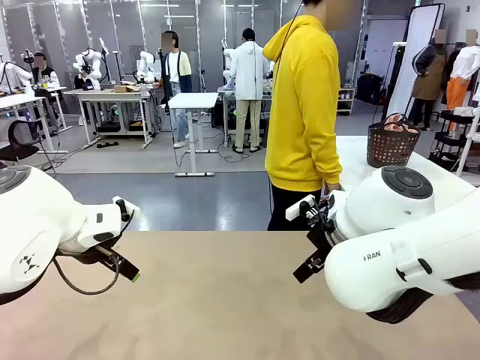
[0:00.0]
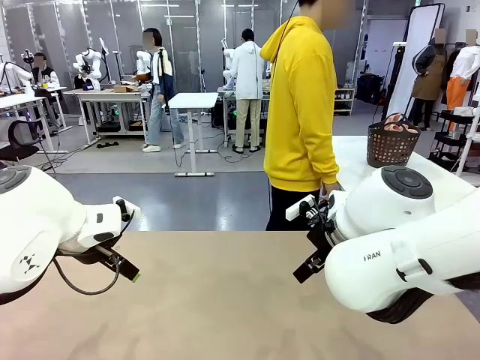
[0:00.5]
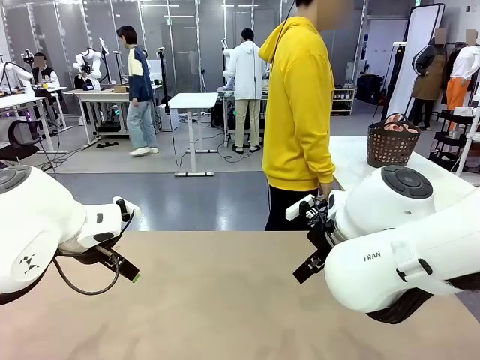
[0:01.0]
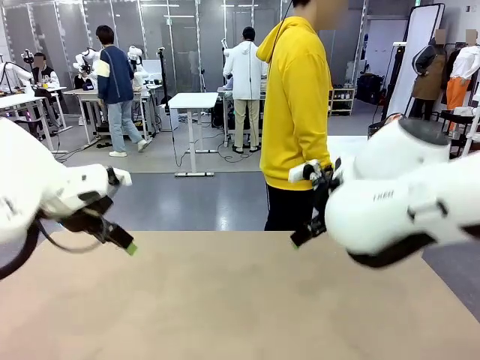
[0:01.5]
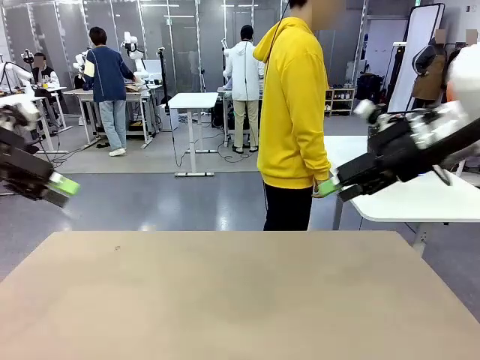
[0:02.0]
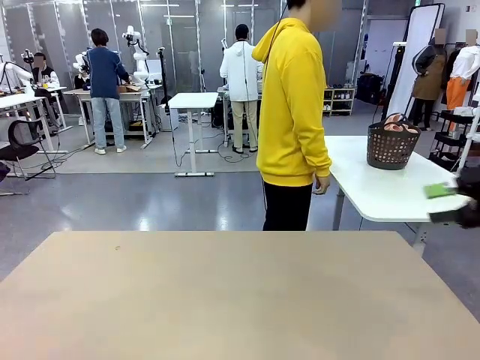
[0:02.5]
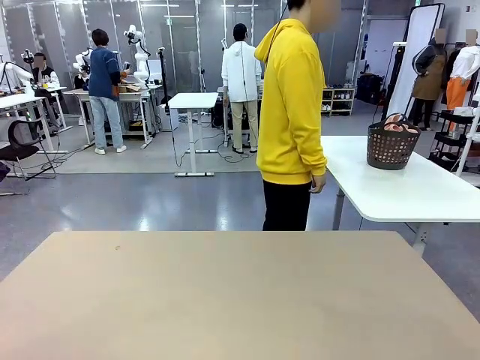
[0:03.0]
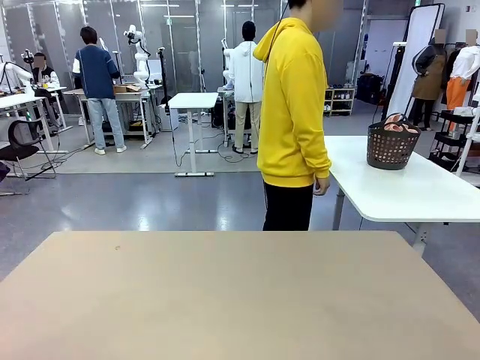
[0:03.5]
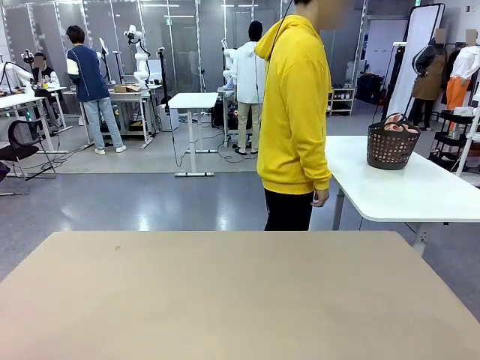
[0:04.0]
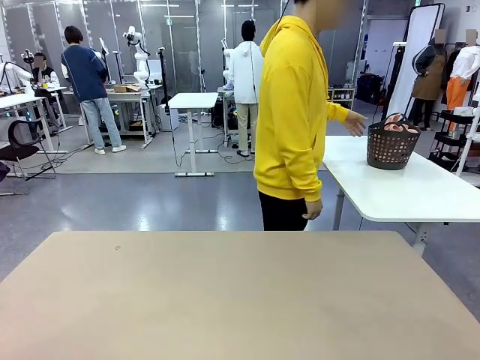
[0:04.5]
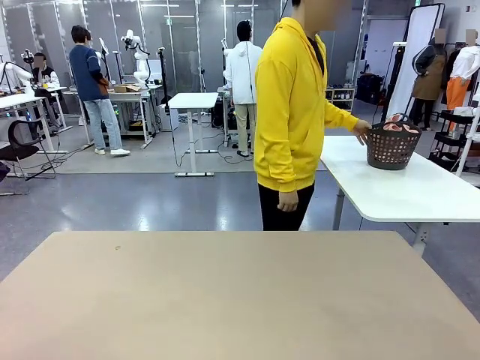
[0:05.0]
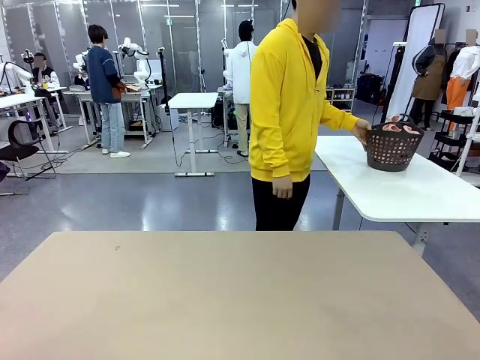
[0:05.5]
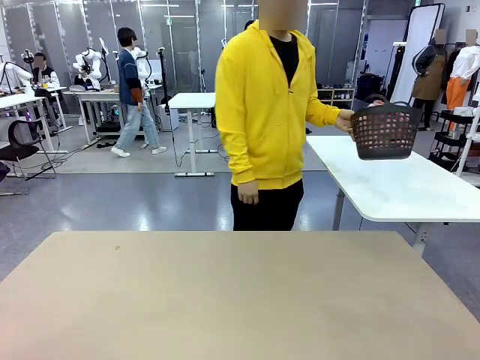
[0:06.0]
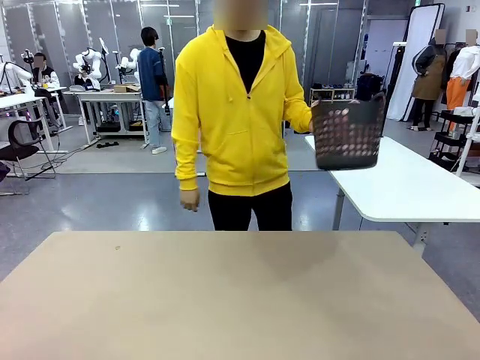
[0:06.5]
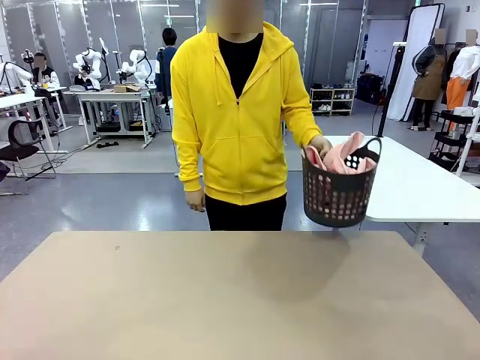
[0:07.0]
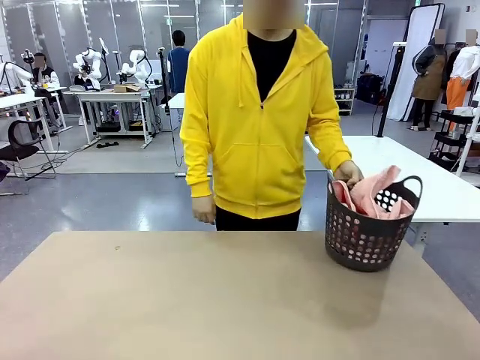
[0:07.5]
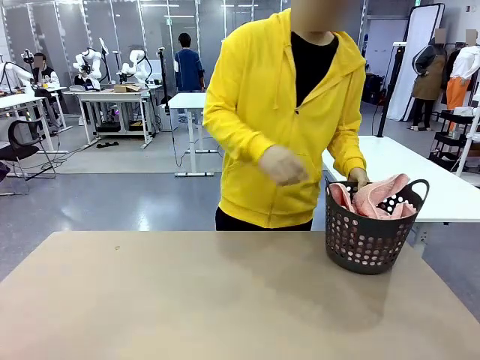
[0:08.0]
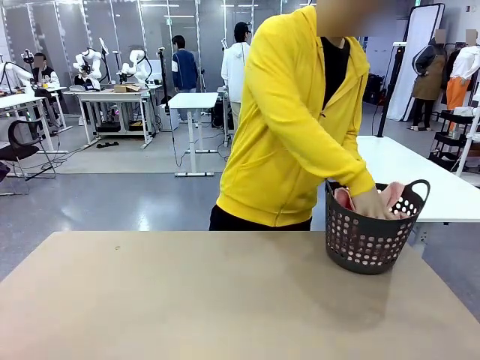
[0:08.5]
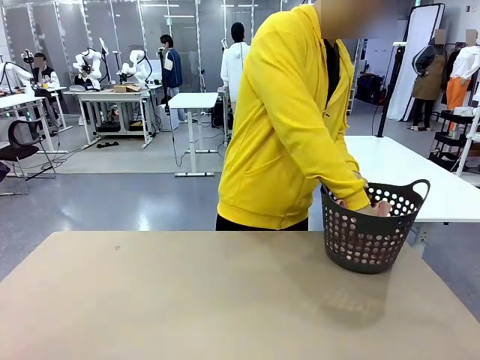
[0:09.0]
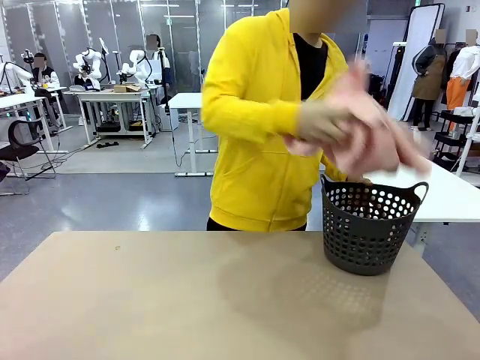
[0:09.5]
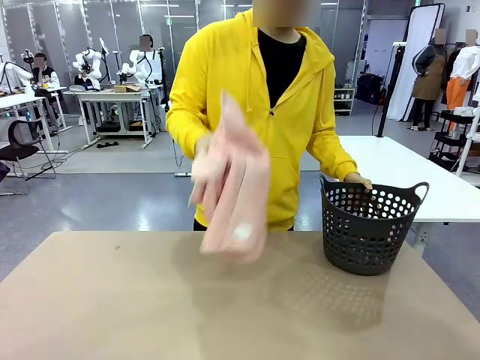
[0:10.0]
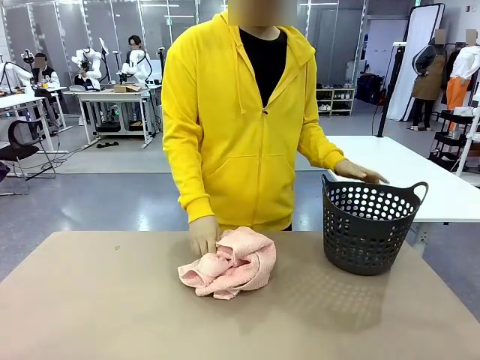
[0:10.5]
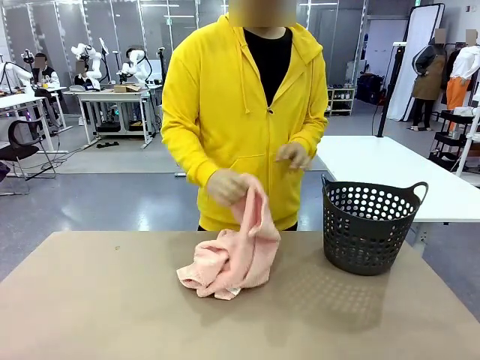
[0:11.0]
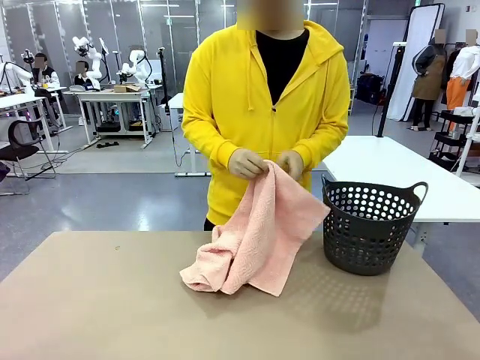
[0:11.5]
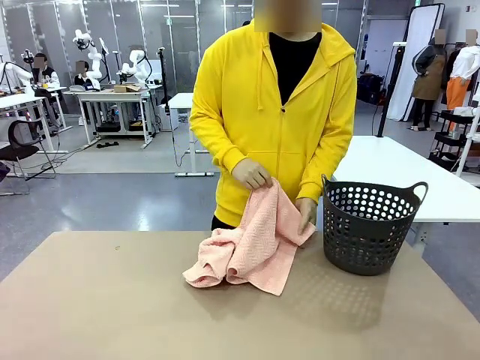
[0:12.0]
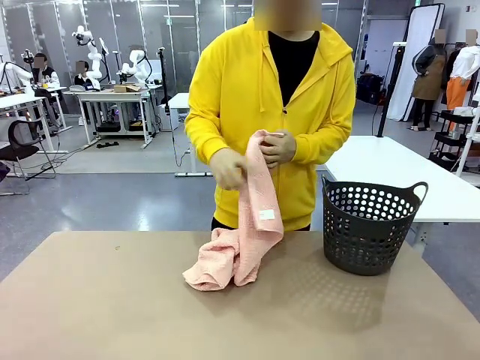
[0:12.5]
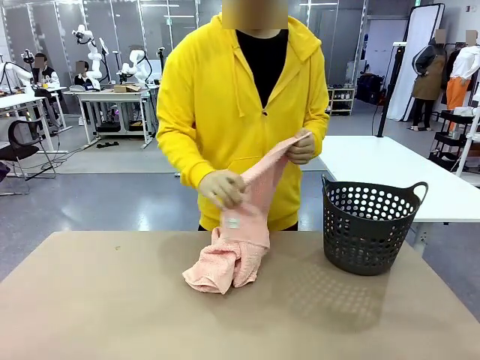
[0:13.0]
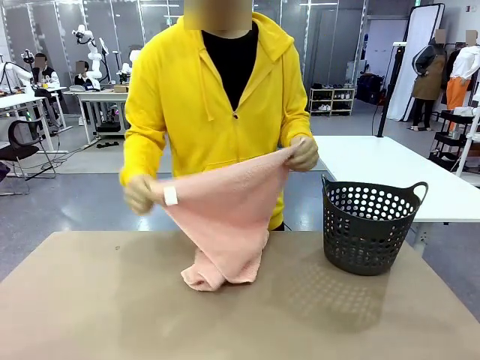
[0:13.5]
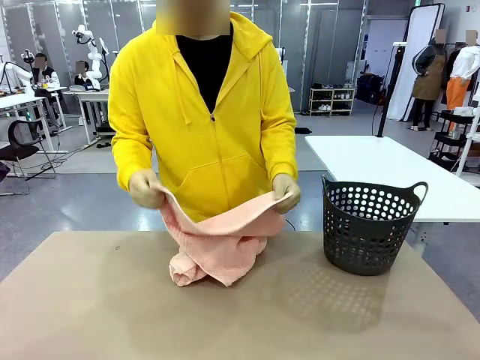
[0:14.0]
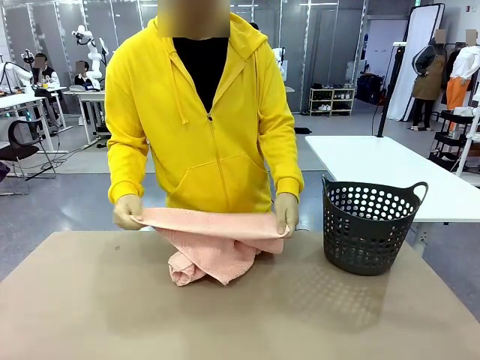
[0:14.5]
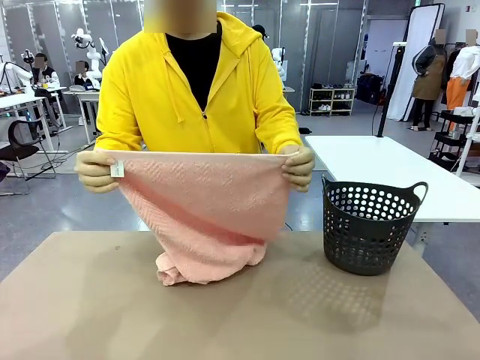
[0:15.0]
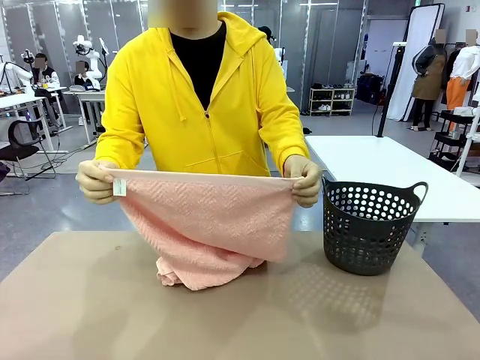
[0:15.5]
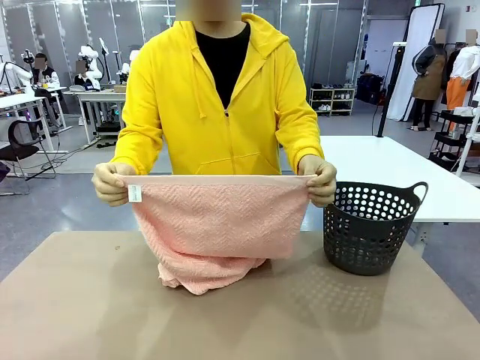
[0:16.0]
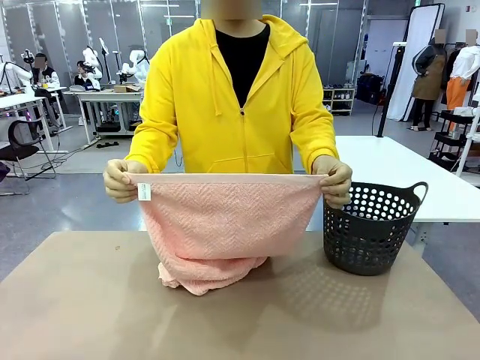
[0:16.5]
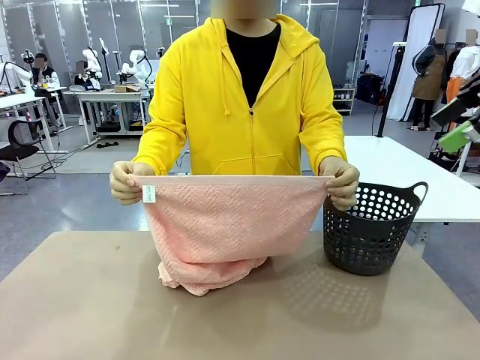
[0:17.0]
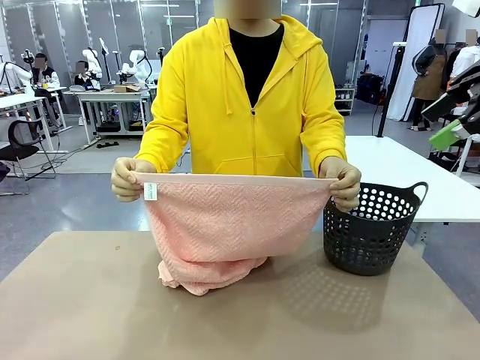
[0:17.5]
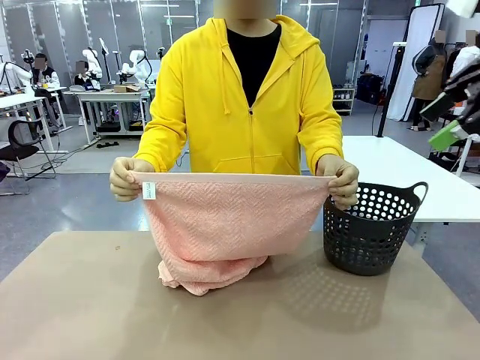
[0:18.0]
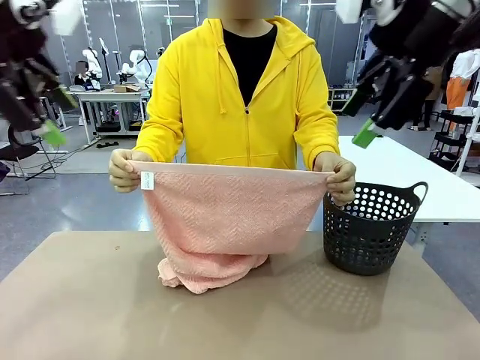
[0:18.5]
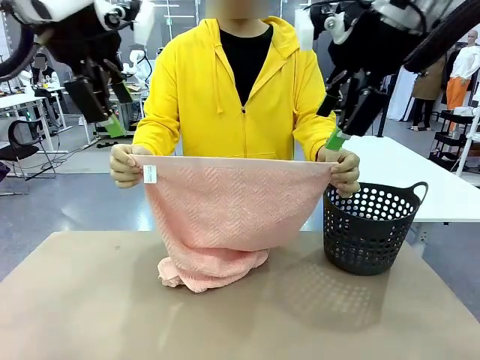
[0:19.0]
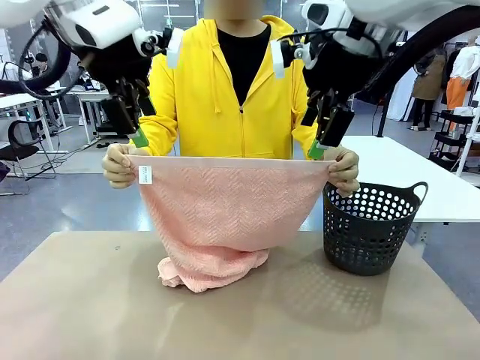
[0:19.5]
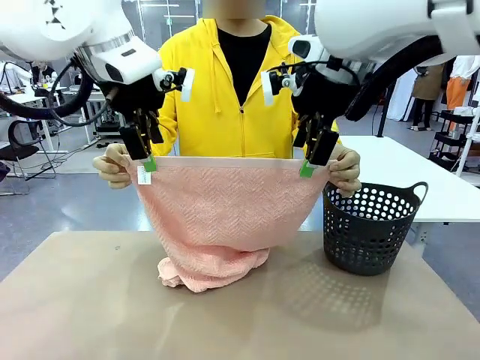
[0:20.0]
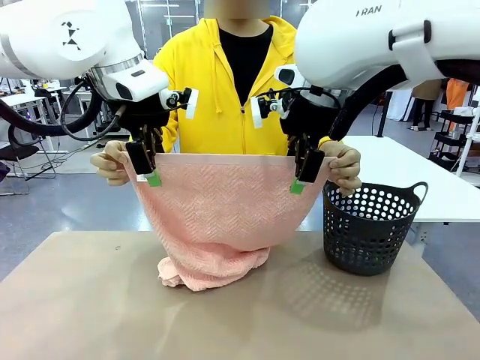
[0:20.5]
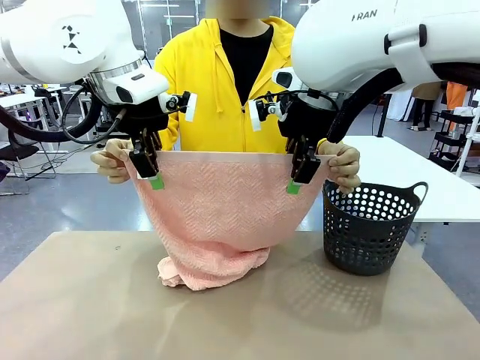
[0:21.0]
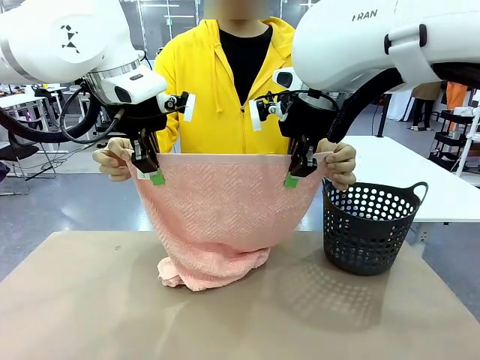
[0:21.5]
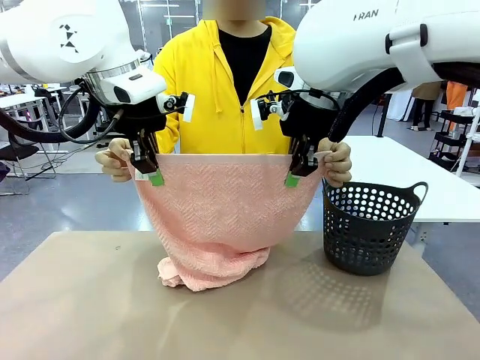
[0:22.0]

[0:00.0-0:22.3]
Task: Fold the towel.
Robot: Grab the top end of the 100 cm Hotel Towel extended by the human.
Person: Pick up the laundry basket, place it on the left side of the robot table, then take out a towel and hand it to the robot while holding both corners of one end.
